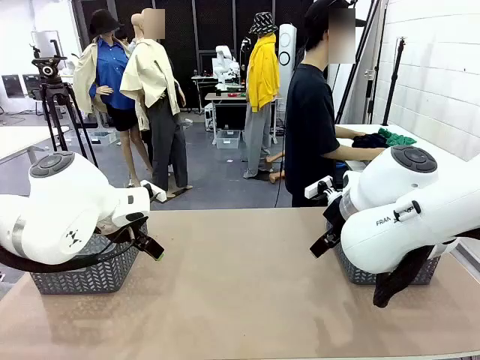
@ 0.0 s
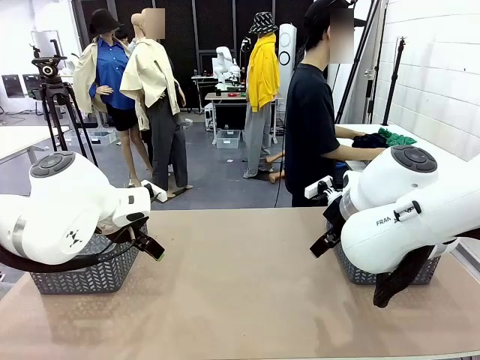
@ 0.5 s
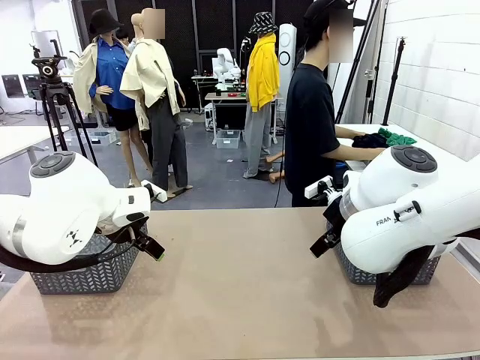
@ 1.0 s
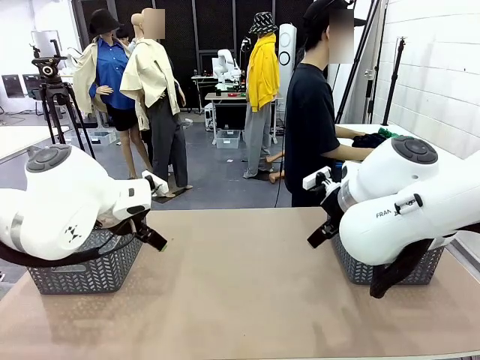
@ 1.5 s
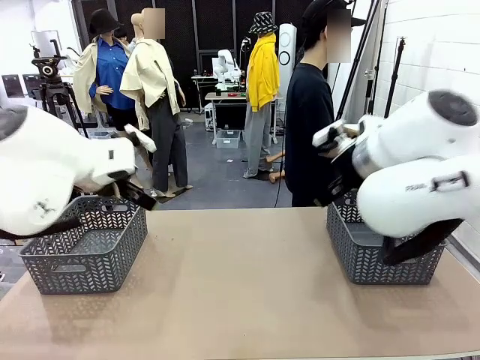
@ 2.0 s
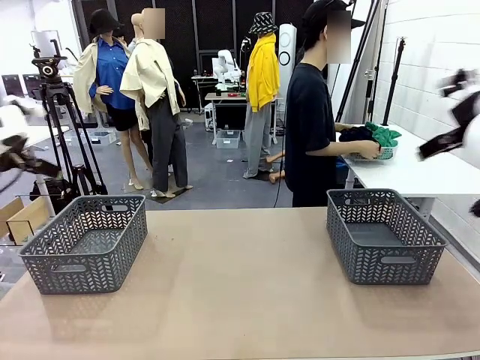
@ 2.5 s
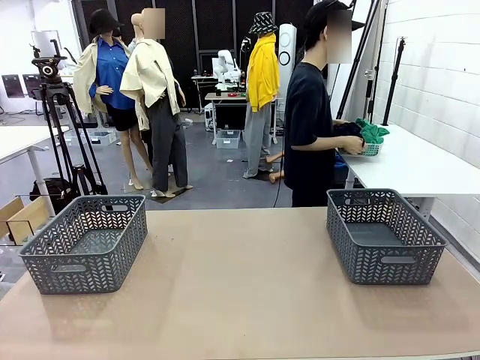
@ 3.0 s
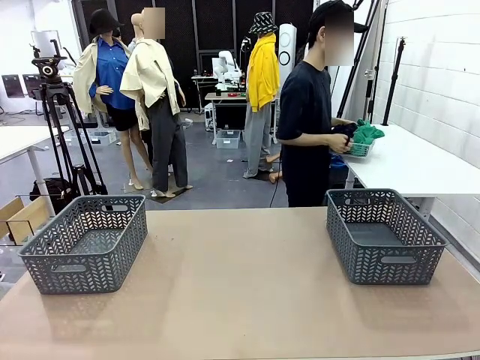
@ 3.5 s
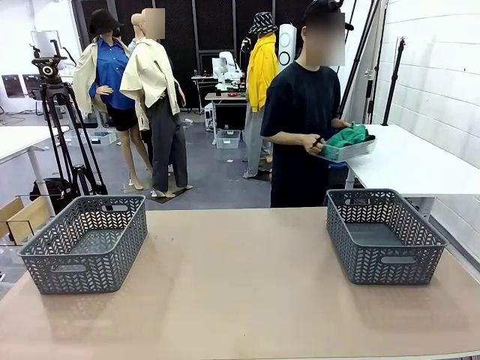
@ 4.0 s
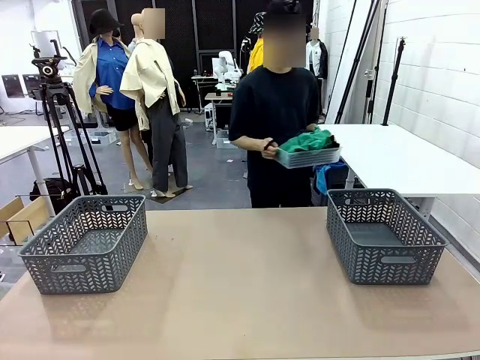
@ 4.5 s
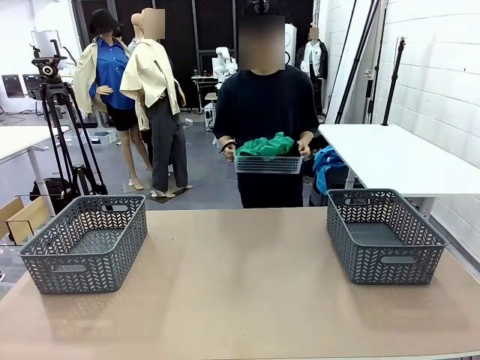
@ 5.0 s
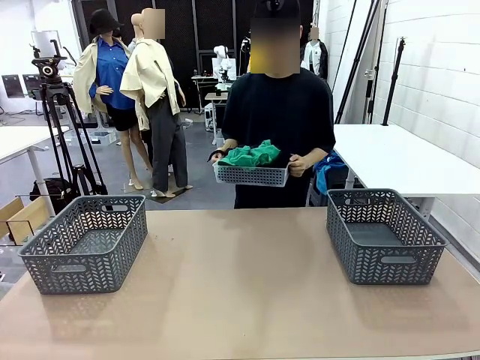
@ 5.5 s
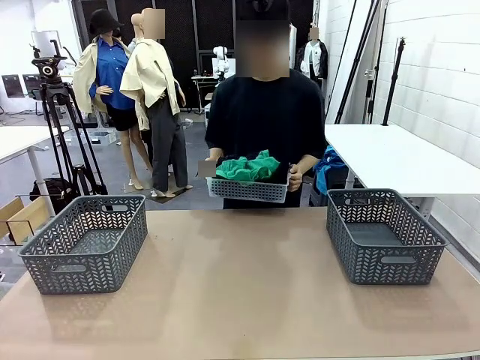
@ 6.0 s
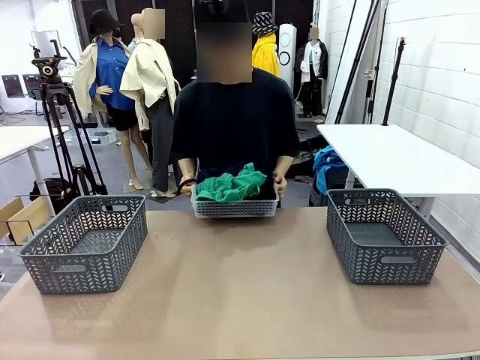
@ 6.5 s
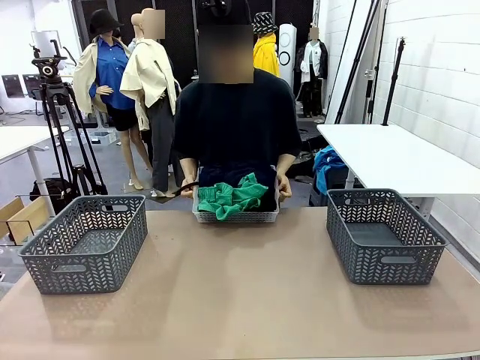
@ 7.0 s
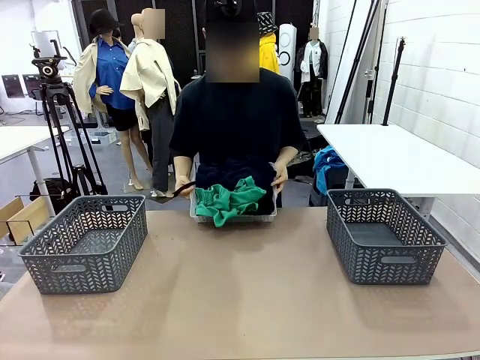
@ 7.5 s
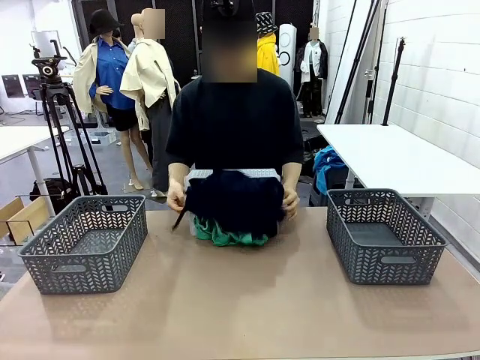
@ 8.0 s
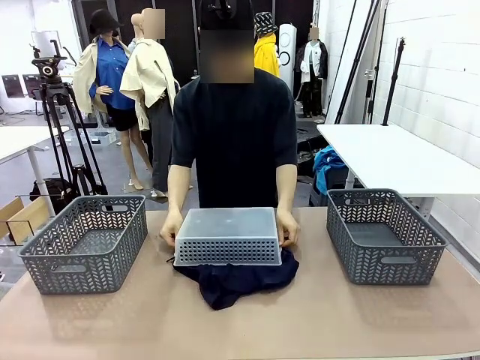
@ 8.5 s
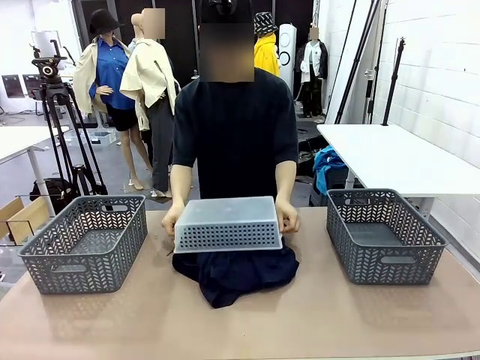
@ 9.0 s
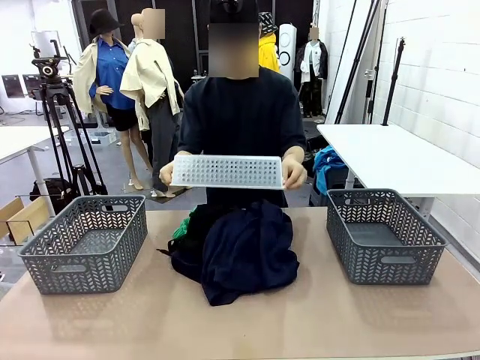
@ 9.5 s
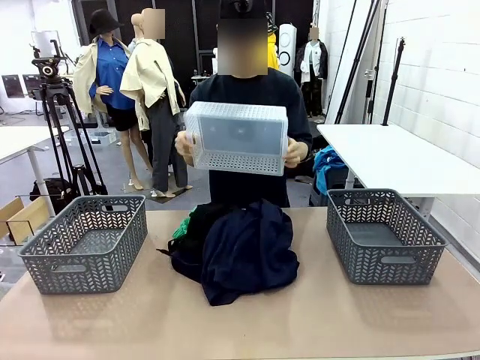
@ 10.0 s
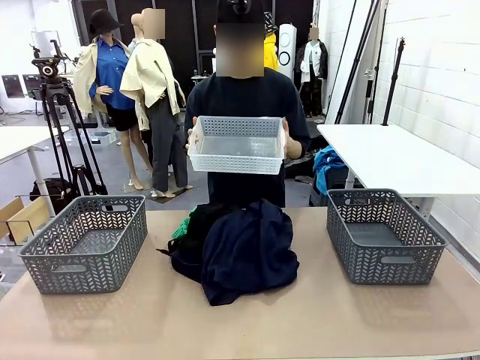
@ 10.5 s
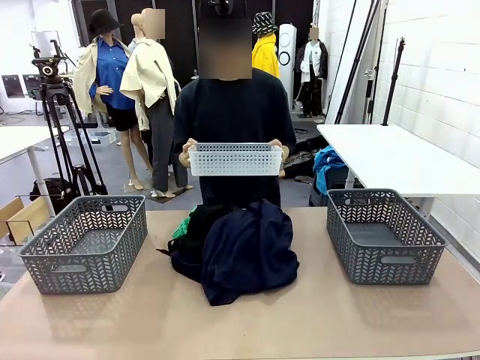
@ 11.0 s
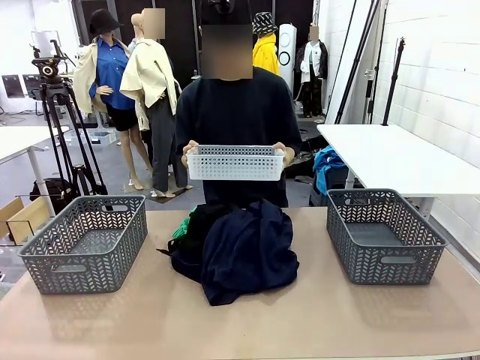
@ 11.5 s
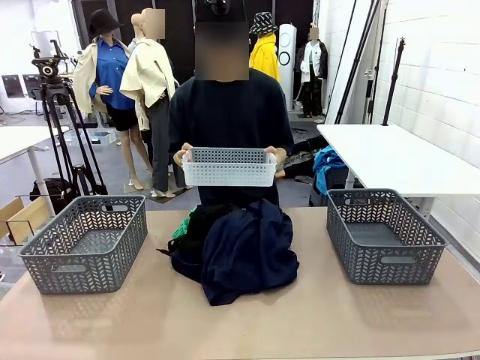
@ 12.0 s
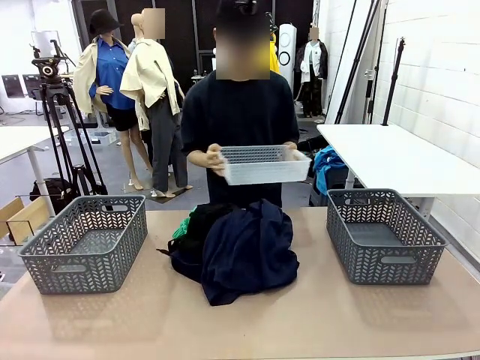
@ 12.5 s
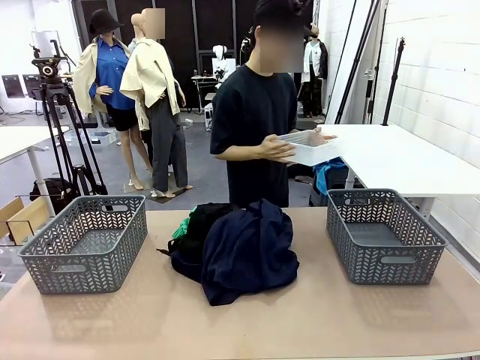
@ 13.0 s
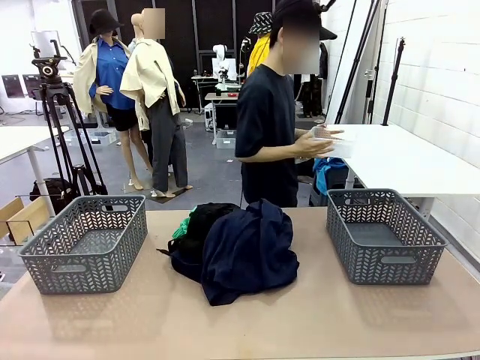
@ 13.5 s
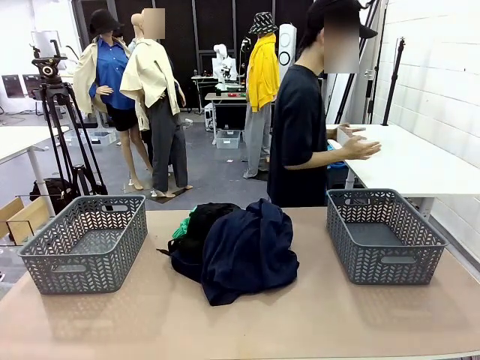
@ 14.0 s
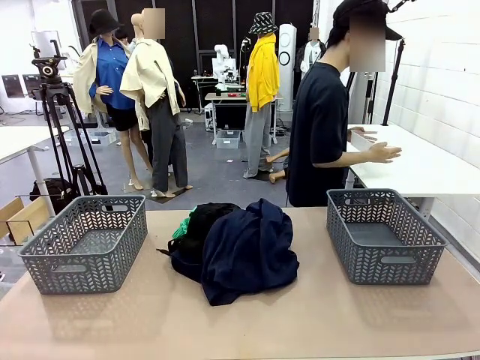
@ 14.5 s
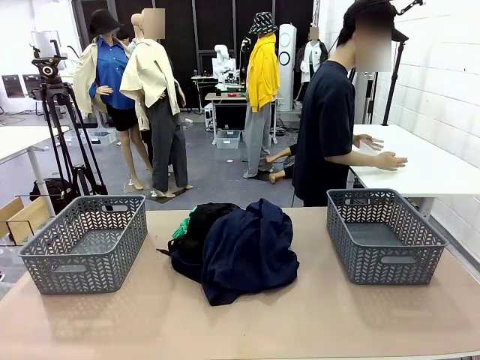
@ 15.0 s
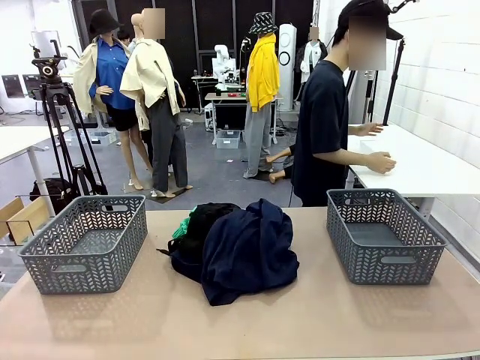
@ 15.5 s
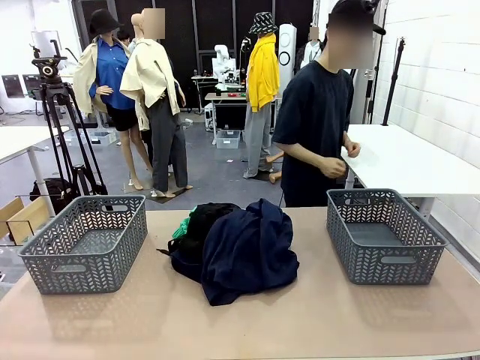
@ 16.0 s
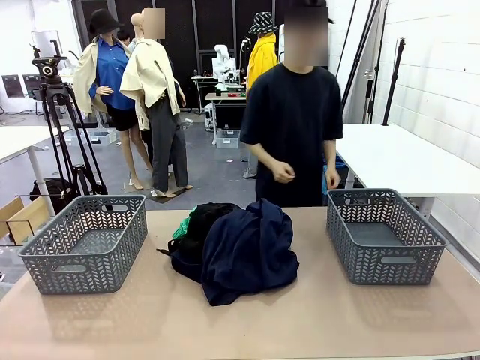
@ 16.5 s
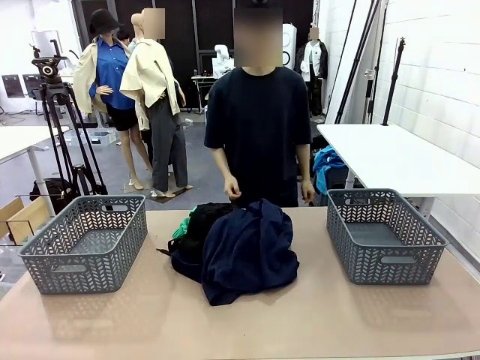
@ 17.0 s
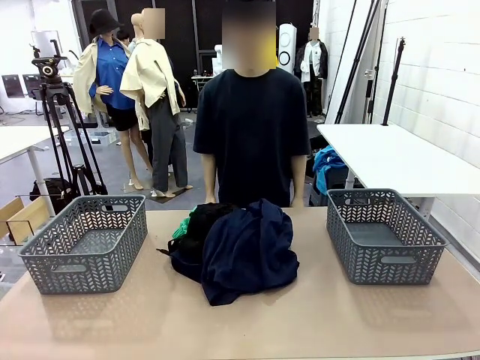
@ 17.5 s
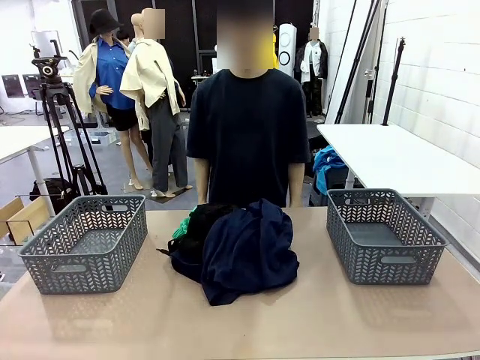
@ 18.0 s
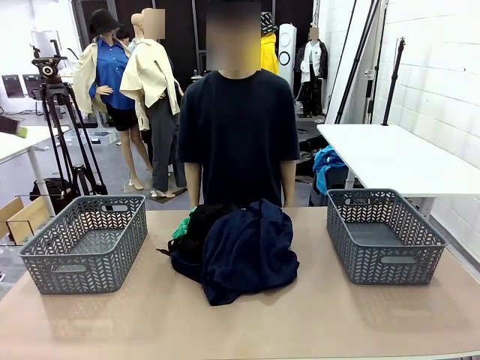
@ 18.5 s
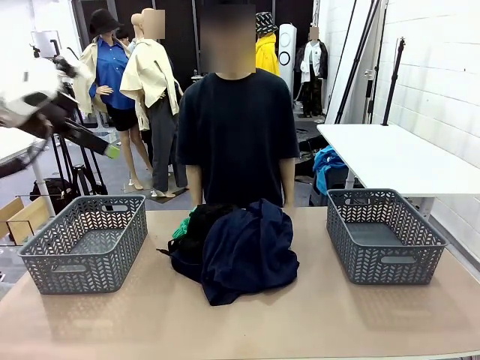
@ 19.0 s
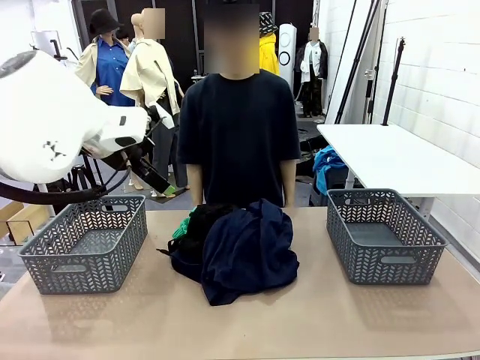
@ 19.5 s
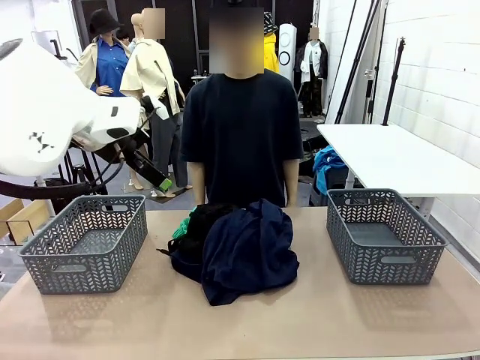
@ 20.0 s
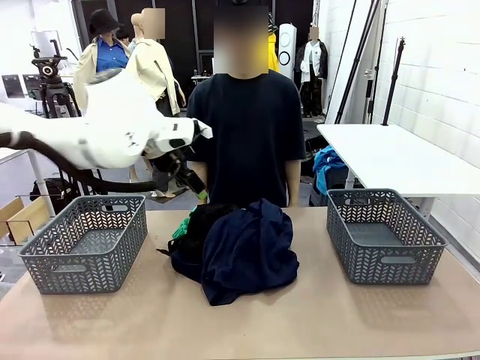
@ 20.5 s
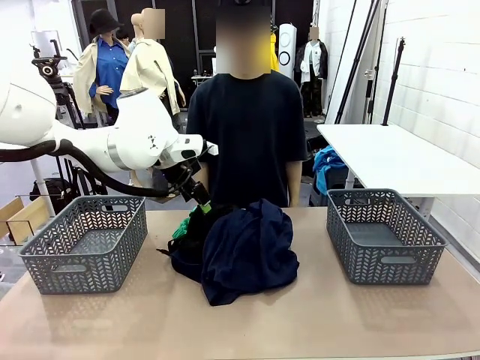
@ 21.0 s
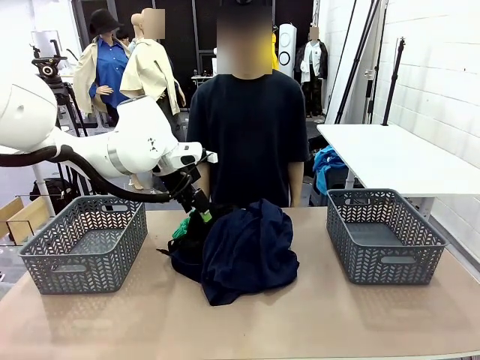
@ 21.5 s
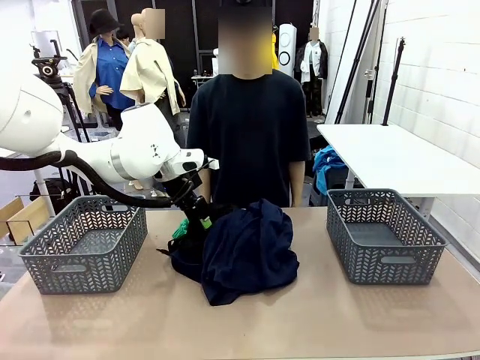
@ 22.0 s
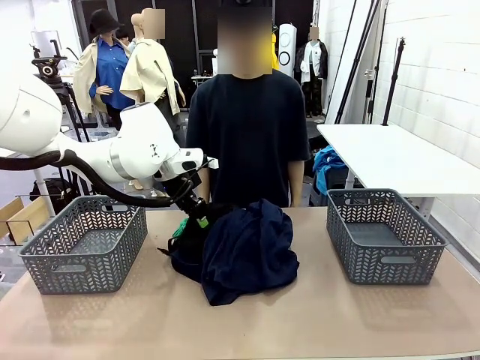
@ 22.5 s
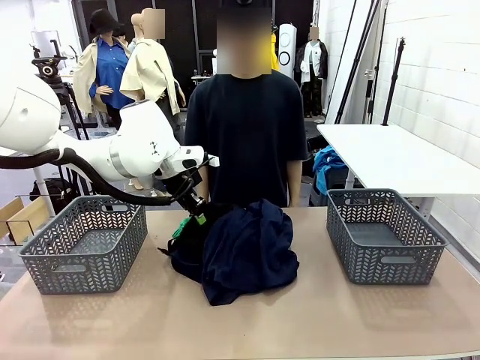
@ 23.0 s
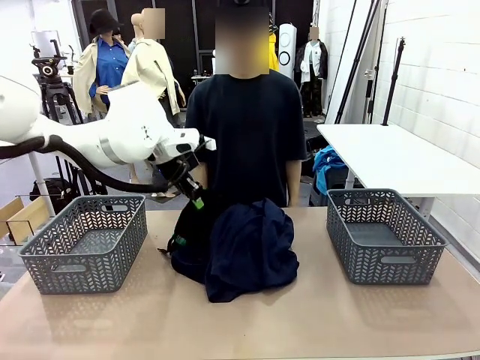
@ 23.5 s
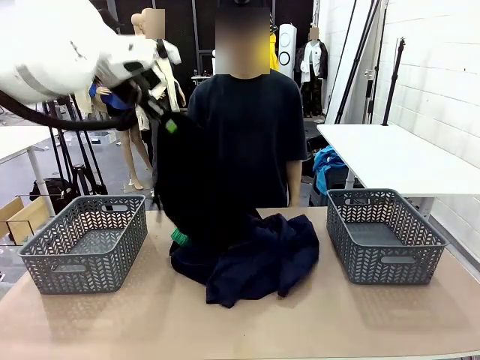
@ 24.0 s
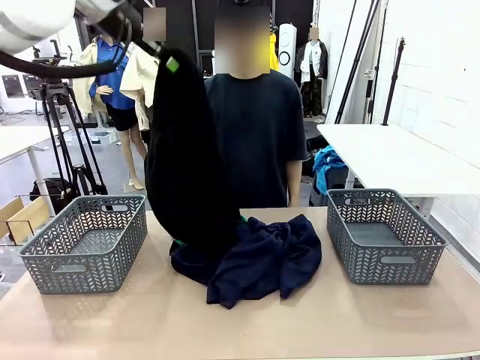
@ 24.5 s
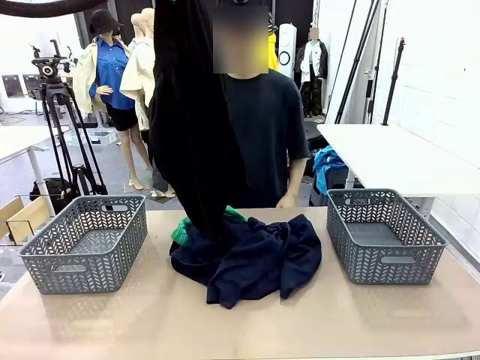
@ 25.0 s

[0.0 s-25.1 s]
Task: Sort the tops and bottoms.
Robot: Lift clothes from the center of the table with your left hand.
Person: Pour the clothes from the basket onto the center of the robot table.
